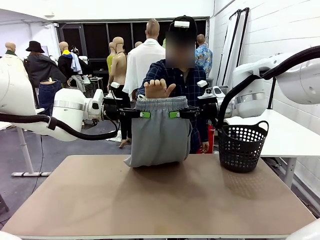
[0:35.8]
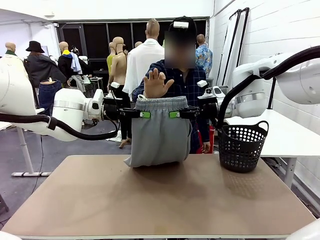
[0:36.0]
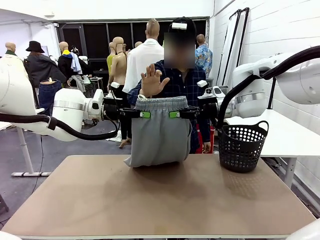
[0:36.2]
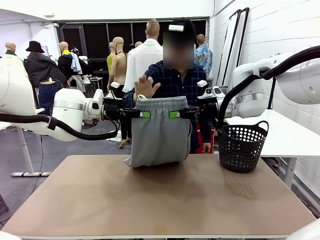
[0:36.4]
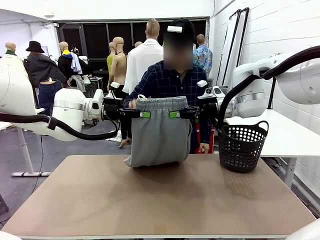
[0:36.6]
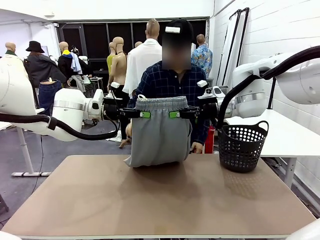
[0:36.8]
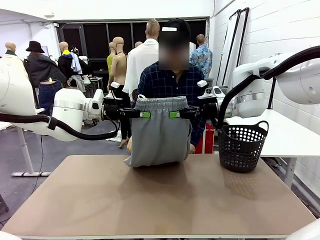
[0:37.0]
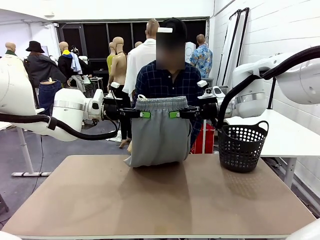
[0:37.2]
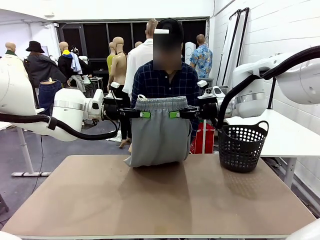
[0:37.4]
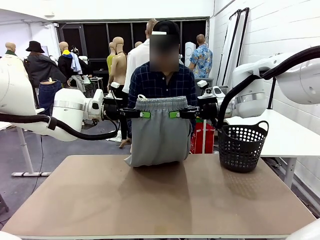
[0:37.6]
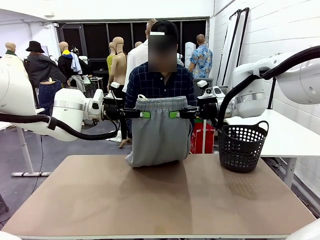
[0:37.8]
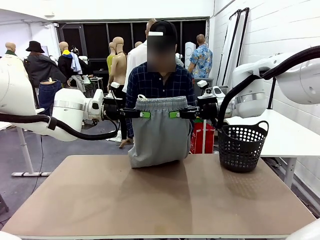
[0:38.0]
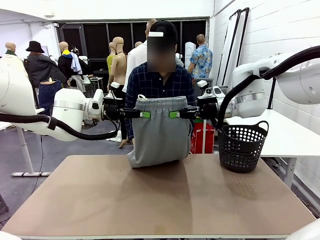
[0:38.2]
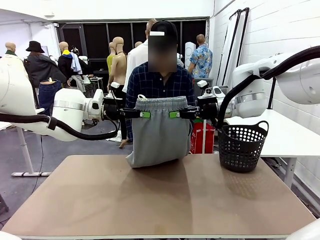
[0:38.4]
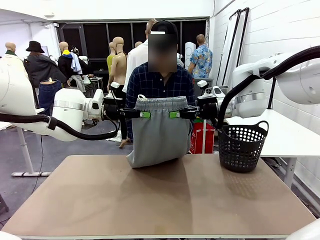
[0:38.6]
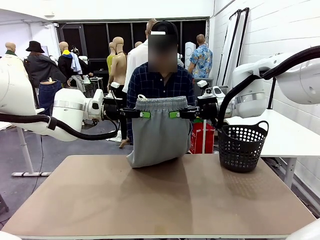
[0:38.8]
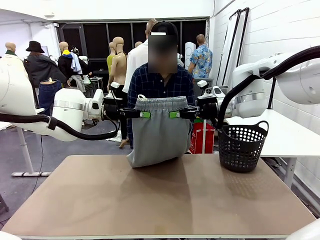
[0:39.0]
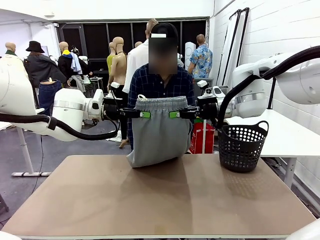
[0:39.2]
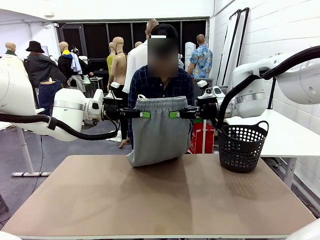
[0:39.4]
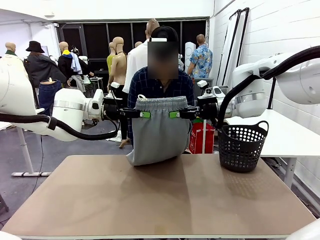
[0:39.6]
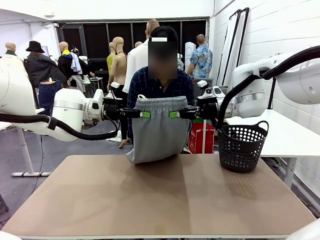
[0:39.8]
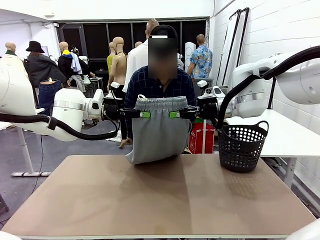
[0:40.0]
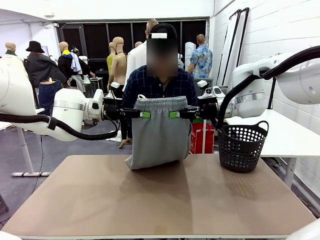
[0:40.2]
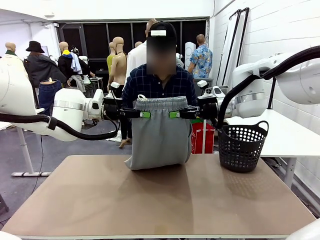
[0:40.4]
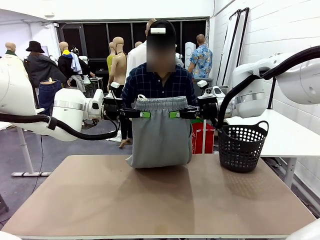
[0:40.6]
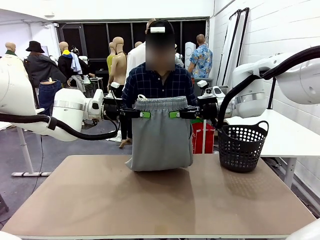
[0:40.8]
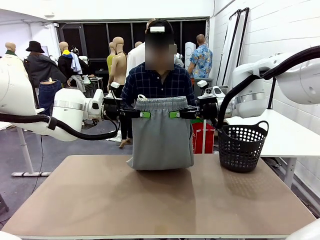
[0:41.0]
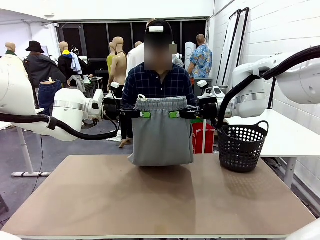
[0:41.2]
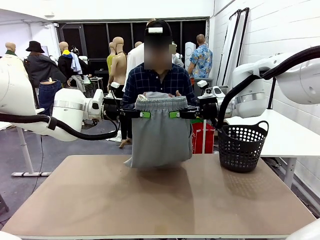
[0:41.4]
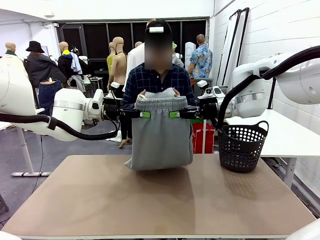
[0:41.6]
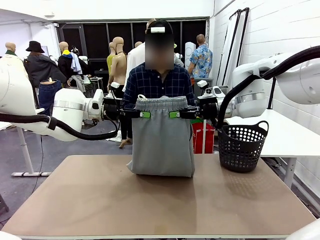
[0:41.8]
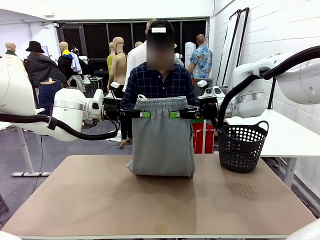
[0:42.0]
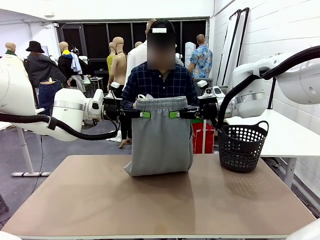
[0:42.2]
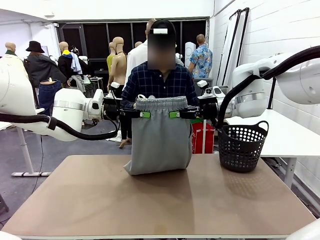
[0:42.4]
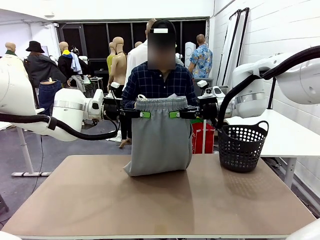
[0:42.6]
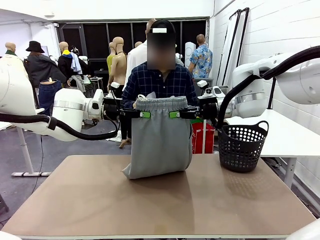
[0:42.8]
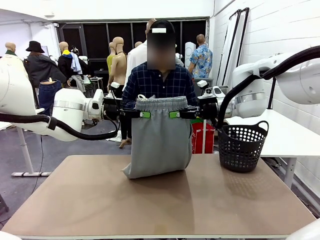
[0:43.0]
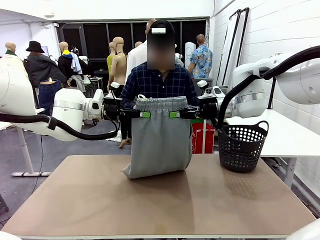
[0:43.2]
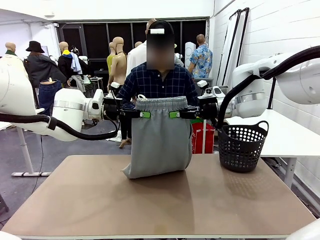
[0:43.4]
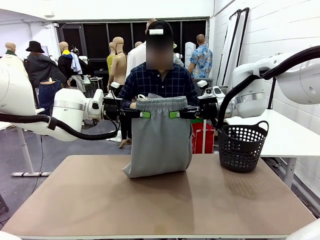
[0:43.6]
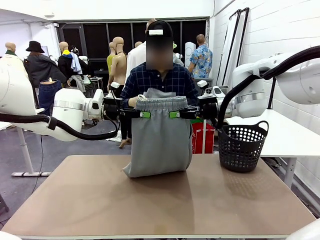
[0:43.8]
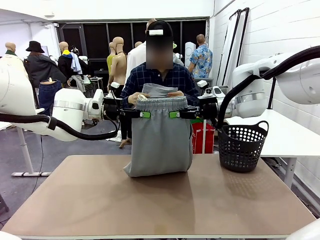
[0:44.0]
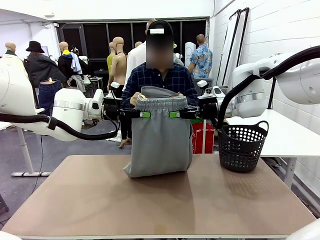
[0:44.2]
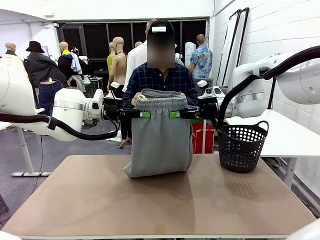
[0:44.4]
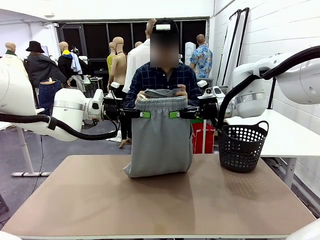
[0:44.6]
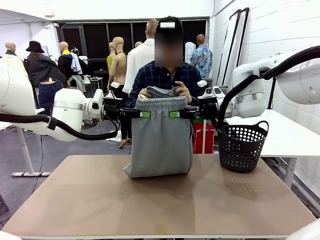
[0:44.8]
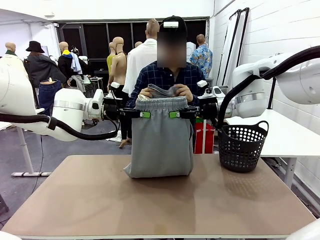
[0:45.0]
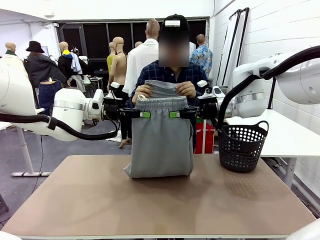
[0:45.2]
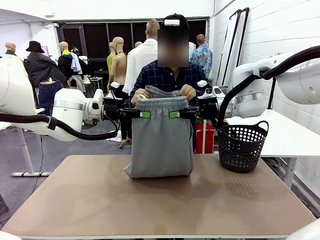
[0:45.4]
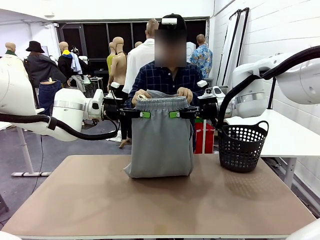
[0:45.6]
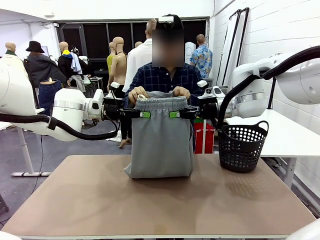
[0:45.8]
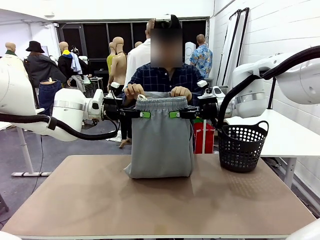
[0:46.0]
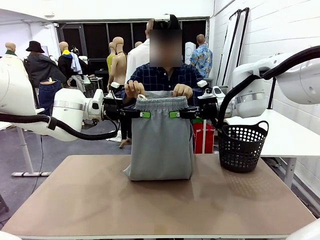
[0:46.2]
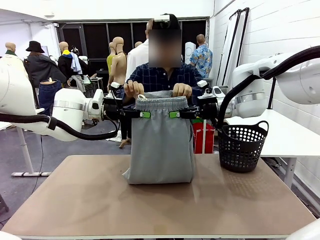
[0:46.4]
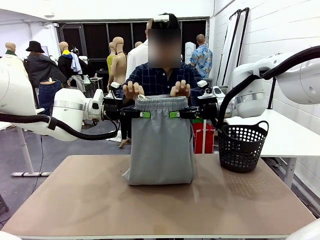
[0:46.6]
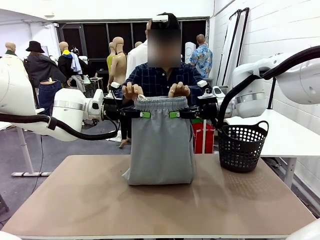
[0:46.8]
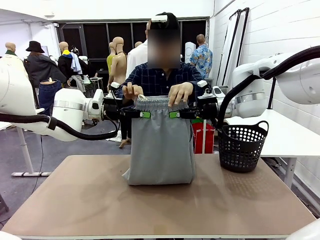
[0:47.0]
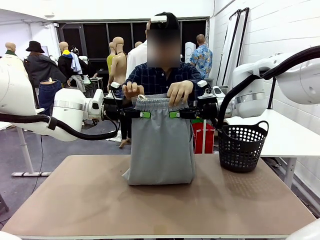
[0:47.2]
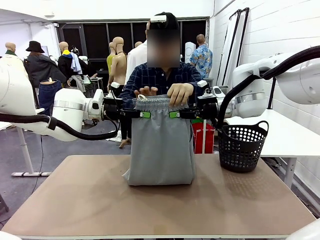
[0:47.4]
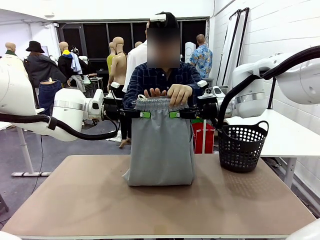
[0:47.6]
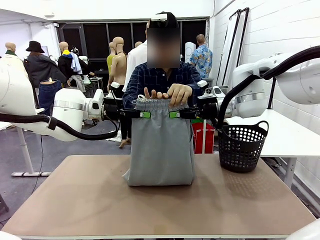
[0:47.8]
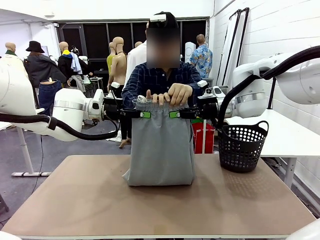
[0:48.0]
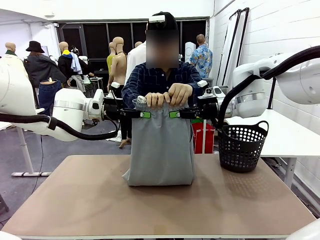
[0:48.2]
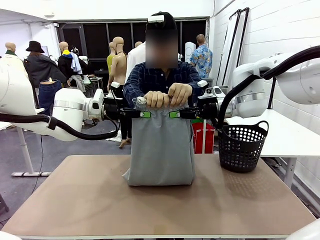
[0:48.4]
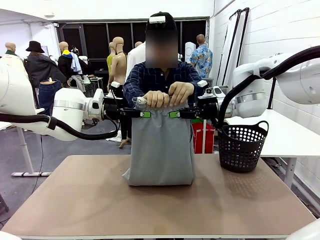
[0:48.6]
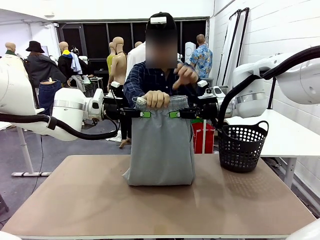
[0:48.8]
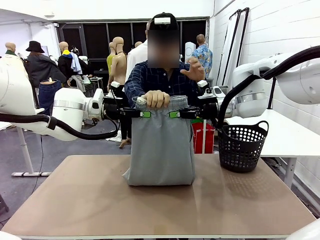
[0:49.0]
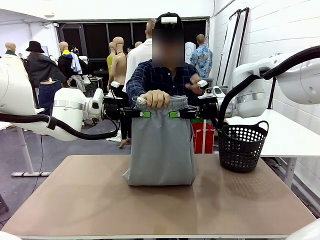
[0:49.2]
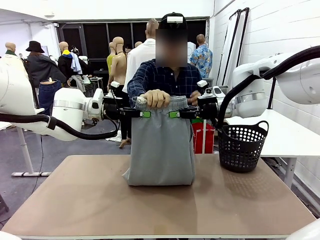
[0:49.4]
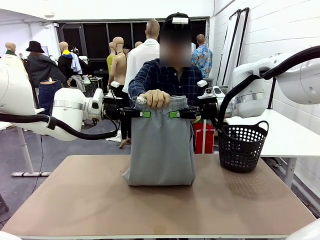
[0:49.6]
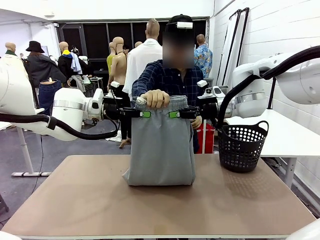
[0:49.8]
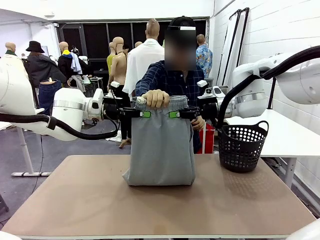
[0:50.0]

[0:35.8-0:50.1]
Task: Fold the training pants.
Robot: Release the ends of the Training pants and then grab the overlapped ends.
Person: Grasp the end opposite the point the robot is holding, fold the pants in half, and then grasp the overlapping top end of the folded pants.
